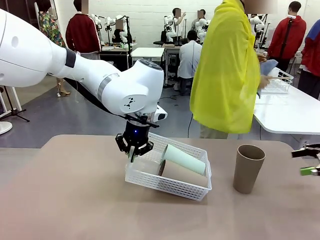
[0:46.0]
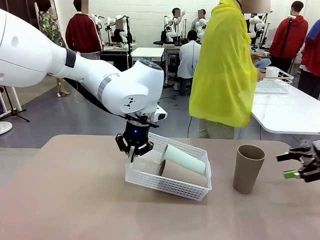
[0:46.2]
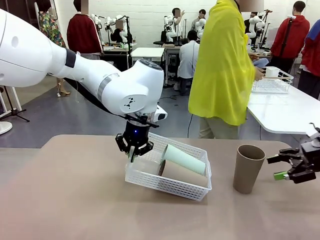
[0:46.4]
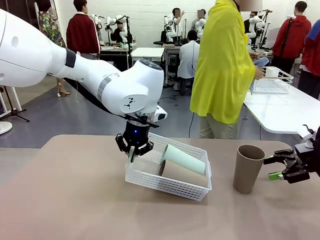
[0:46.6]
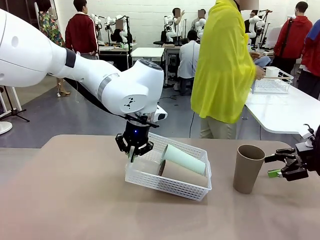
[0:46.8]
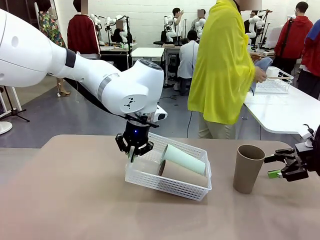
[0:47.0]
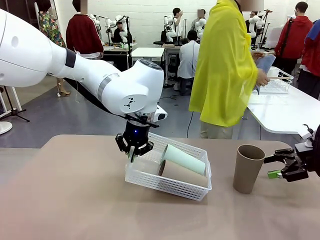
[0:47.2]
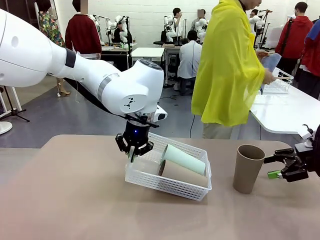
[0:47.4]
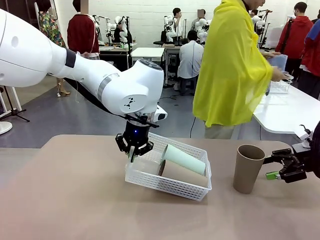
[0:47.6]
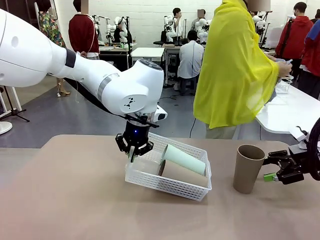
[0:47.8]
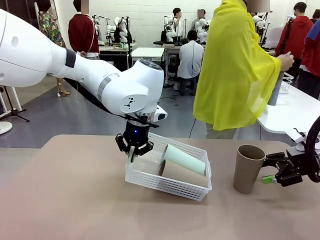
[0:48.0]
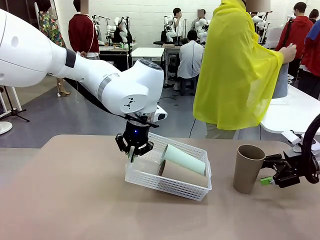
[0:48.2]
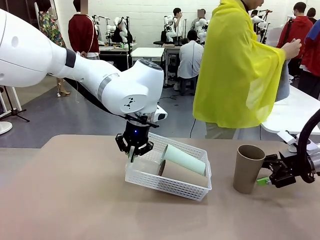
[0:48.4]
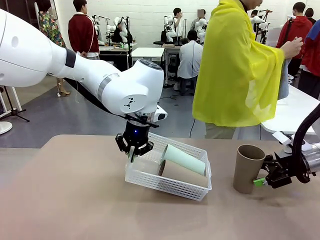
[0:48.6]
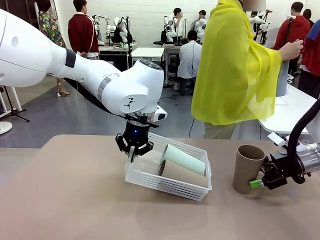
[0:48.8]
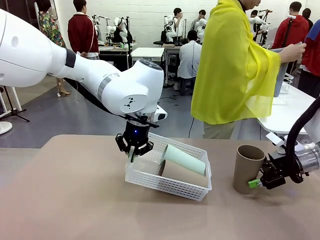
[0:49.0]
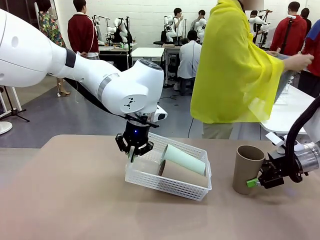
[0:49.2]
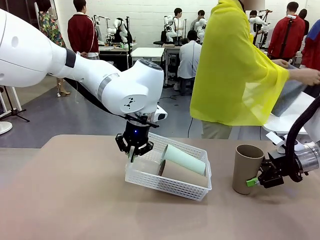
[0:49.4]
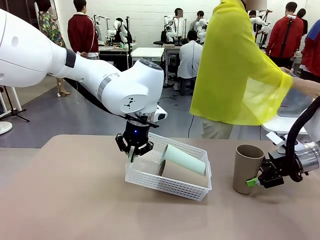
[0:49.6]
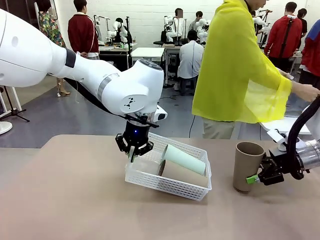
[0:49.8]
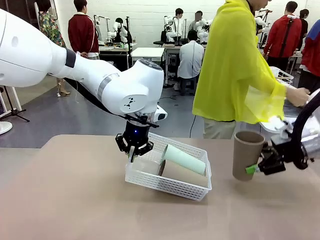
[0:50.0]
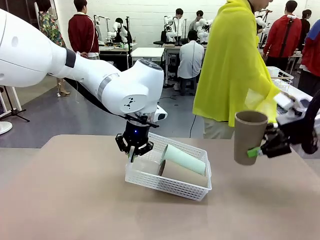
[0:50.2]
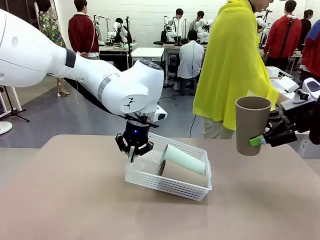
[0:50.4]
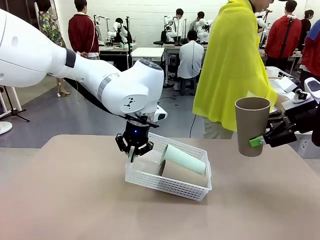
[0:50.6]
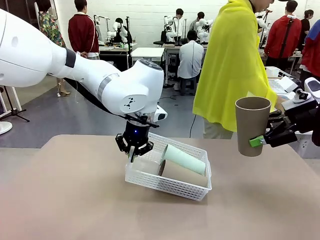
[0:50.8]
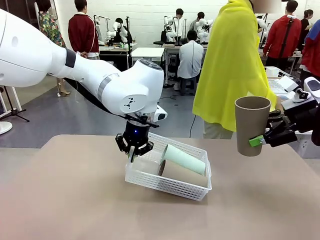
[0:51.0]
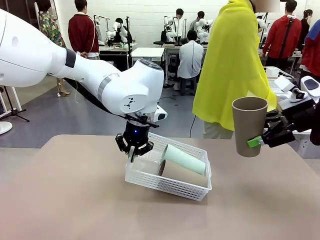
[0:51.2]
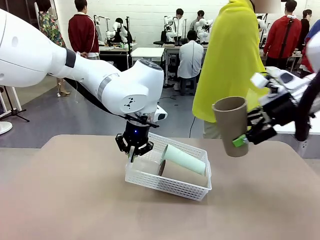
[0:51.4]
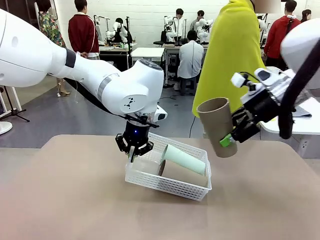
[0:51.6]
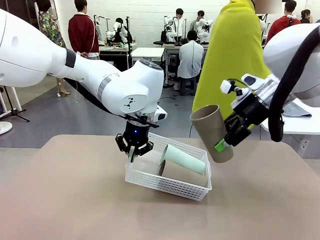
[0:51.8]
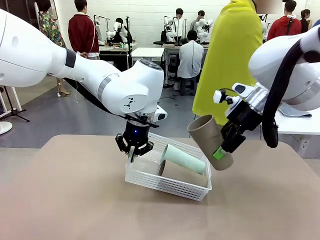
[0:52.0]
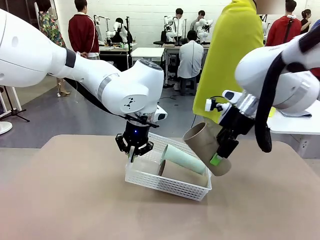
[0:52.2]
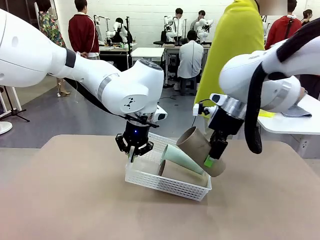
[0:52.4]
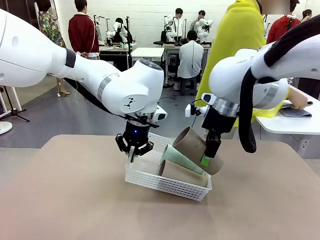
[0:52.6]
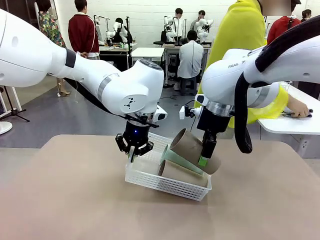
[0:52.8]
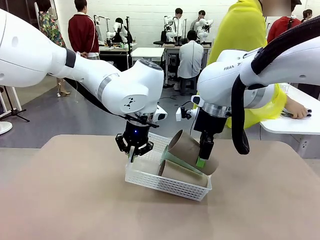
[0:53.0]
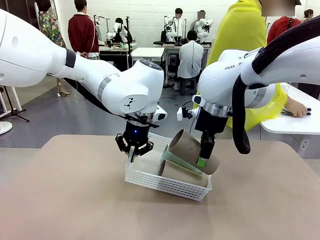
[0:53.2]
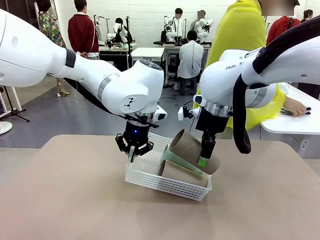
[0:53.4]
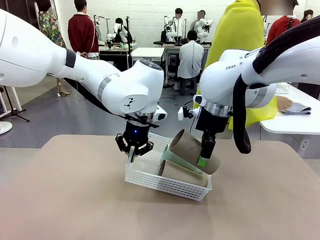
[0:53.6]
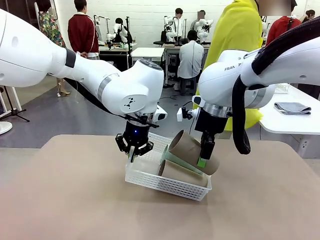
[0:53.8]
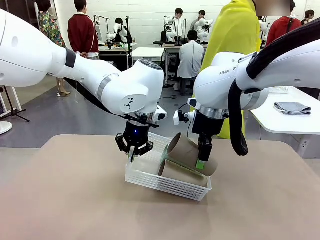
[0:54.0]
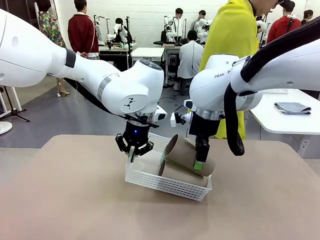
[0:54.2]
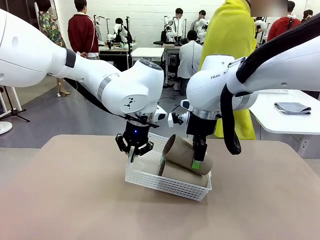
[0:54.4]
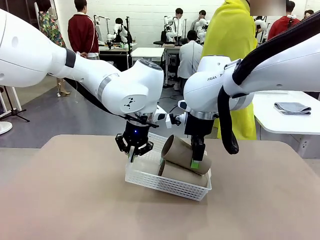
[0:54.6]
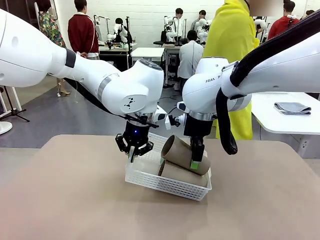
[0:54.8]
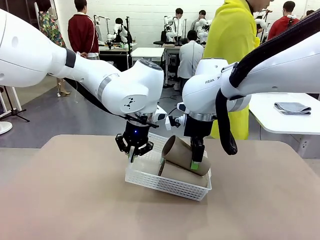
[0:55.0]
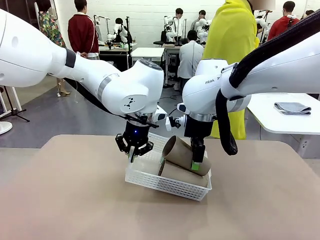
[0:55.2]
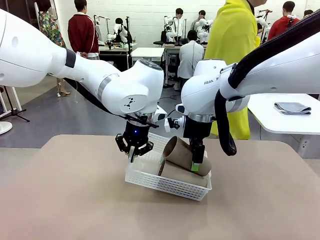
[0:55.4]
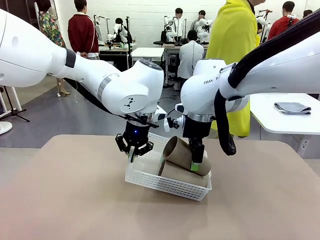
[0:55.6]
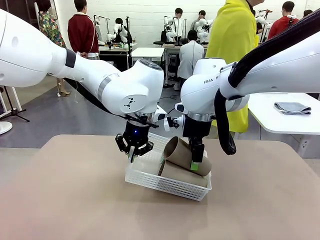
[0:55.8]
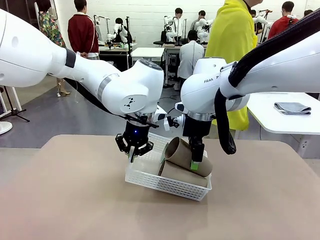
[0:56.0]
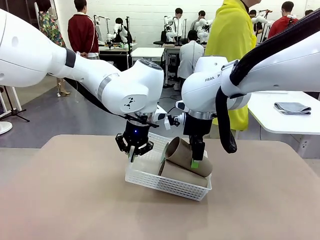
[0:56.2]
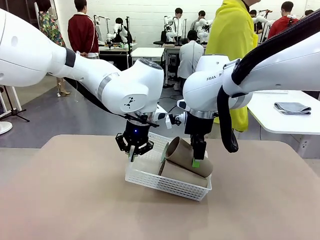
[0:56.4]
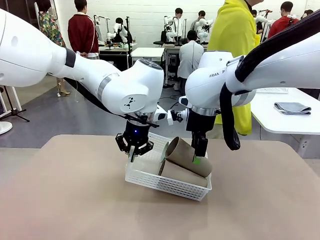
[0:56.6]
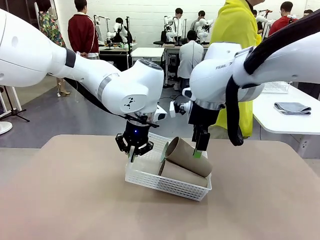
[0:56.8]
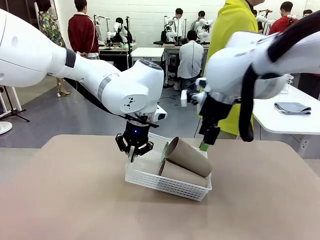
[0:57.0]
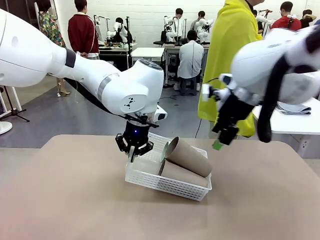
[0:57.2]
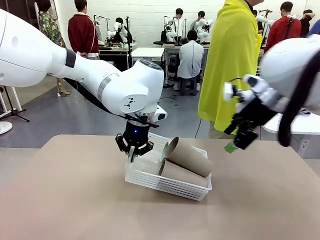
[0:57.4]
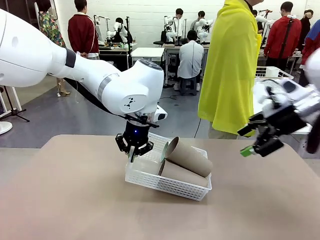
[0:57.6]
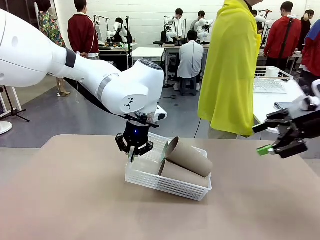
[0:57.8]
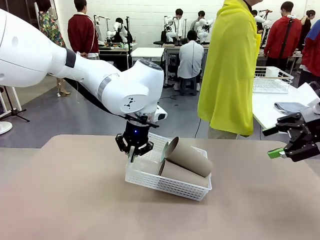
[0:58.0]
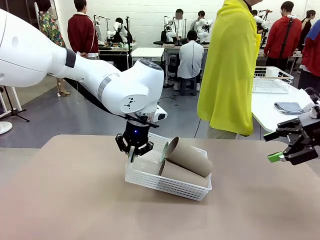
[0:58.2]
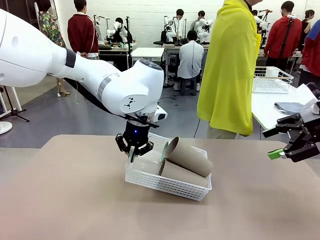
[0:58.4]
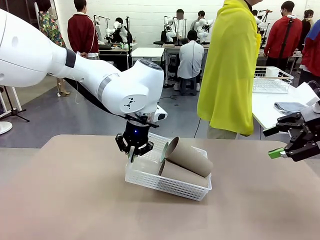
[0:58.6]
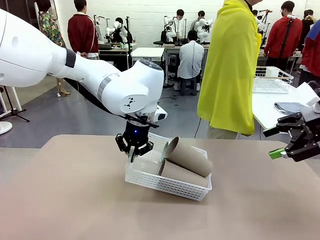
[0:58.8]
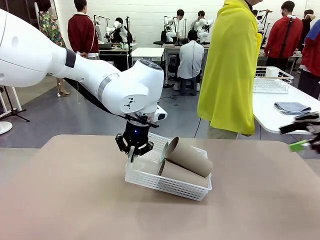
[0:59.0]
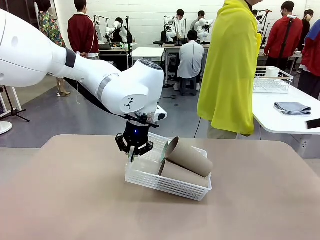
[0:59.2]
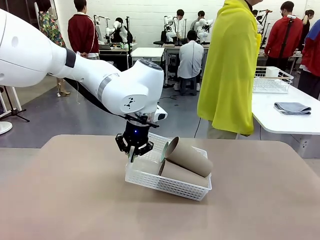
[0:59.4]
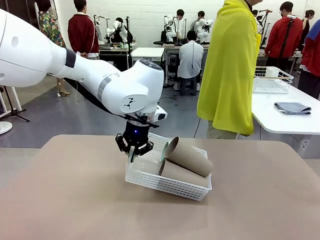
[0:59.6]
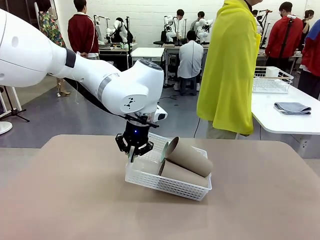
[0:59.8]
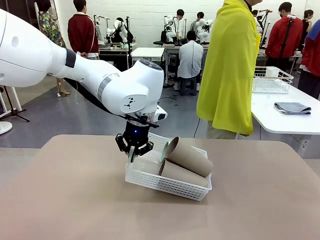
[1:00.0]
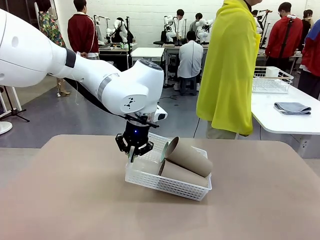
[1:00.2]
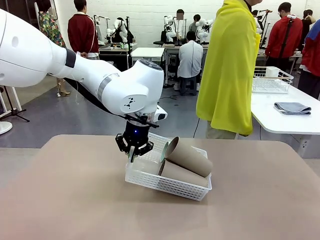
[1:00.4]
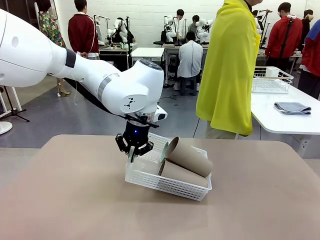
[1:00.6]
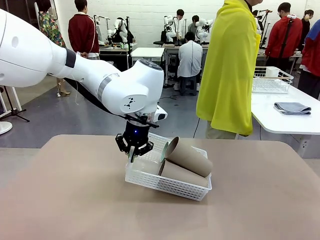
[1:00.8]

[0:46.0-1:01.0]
Task: Clean and organize the cups into the basket.
Robot: Pick up the Reusable plastic cup from the right side of the table and stack it inside the Organizing basket in the center of the table.
Person: Folds the towel in half twice and places it in the right of the table.

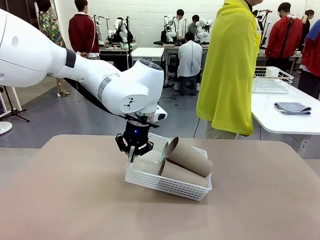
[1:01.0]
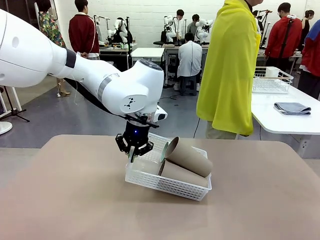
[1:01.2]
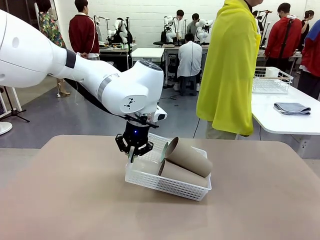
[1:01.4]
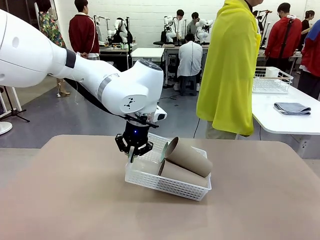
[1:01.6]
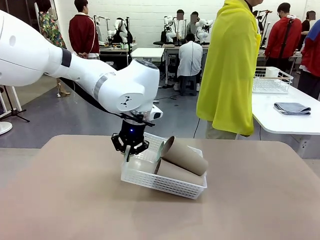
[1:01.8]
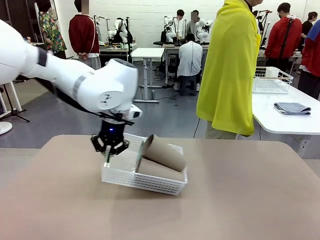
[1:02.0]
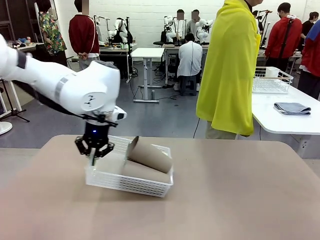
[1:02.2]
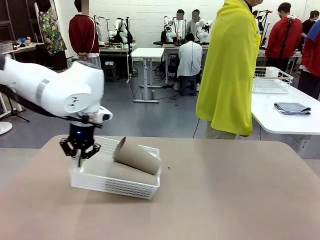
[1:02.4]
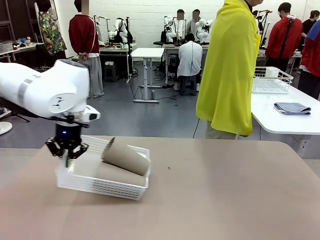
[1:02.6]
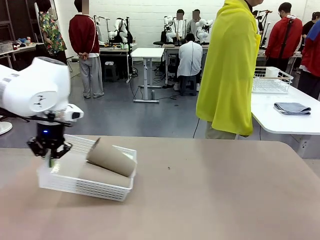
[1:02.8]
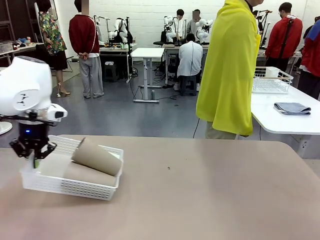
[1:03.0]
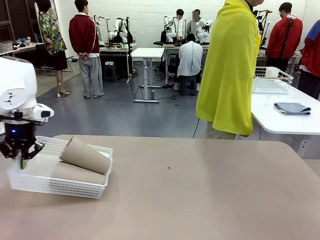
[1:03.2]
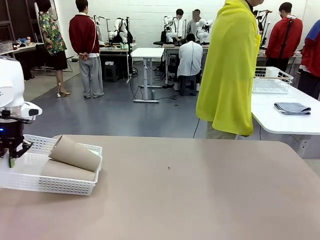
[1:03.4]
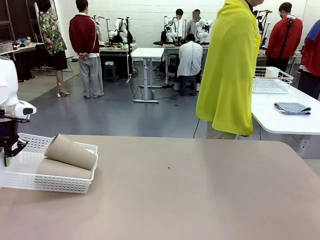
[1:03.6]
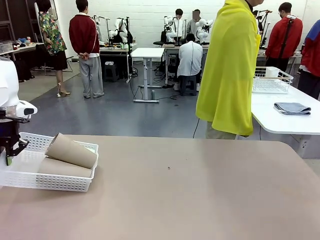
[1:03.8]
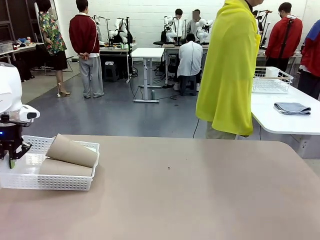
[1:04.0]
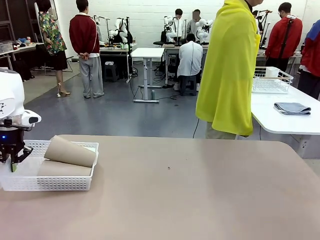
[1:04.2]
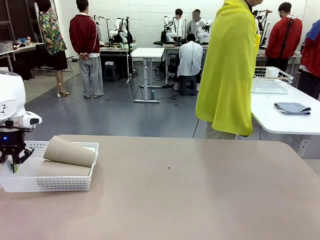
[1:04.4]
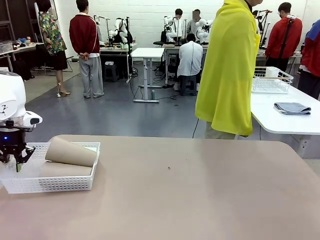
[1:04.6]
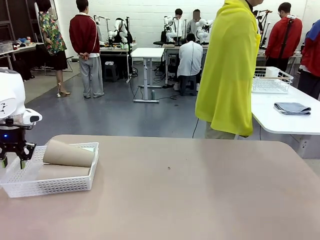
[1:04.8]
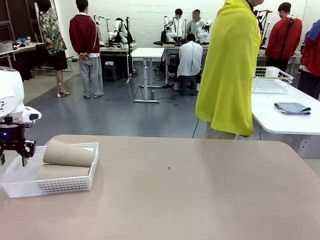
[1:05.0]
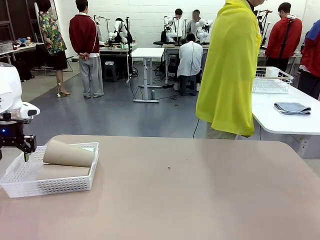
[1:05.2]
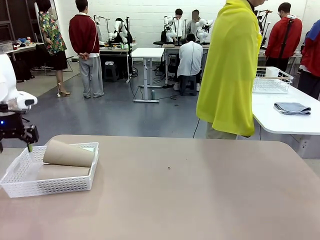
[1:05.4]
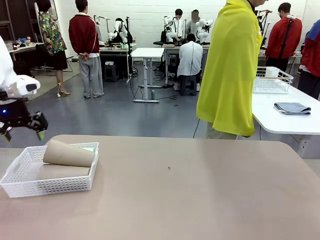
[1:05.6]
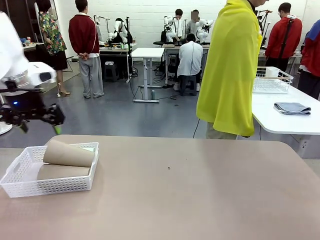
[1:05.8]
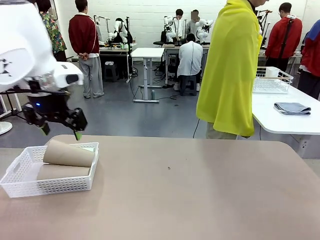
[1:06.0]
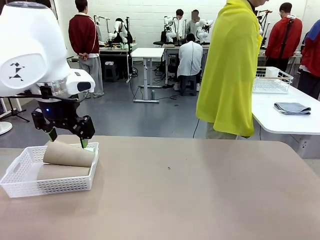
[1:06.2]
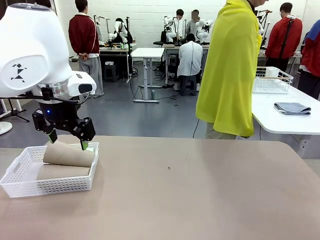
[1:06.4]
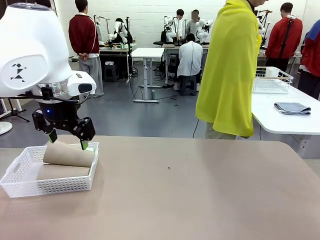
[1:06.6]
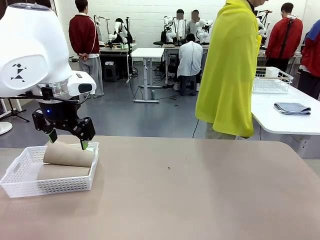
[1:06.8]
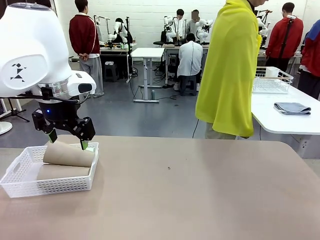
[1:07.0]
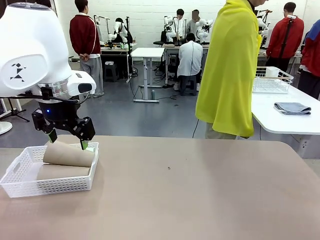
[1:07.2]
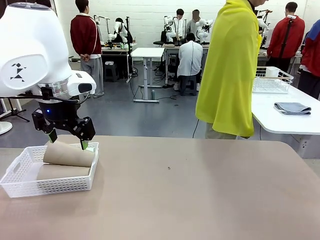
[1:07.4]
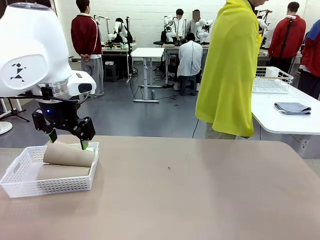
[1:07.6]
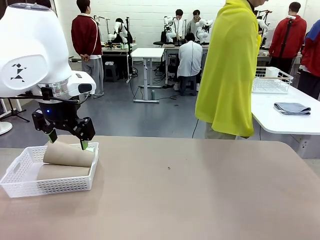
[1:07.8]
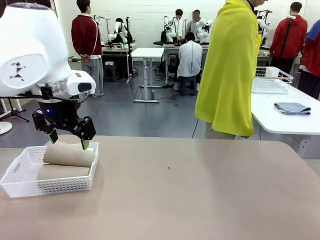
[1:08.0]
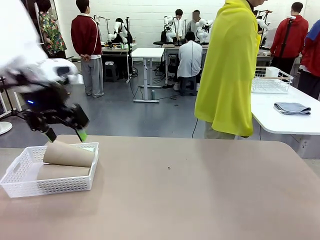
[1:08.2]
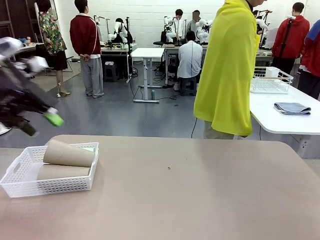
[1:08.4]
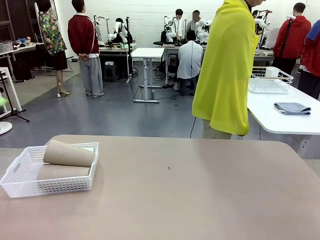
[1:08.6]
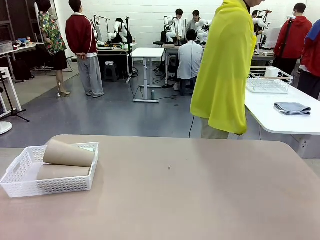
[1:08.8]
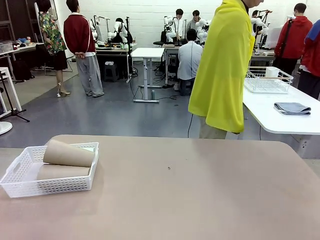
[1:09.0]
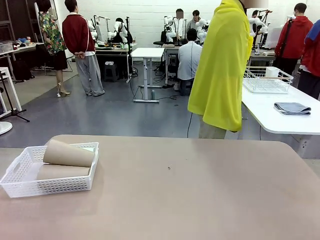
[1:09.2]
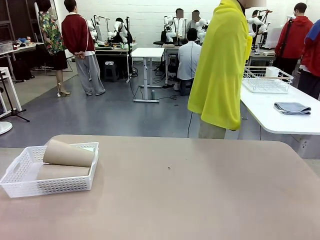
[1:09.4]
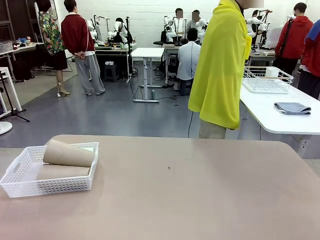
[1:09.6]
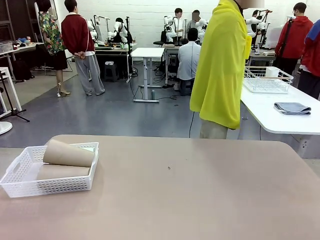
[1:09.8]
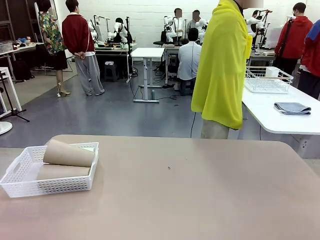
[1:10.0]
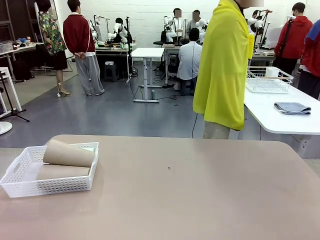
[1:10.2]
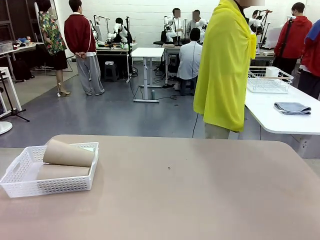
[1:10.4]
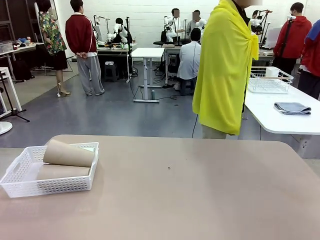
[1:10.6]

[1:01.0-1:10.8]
Robot: Move the Organizing basket back to the left side of the table.
